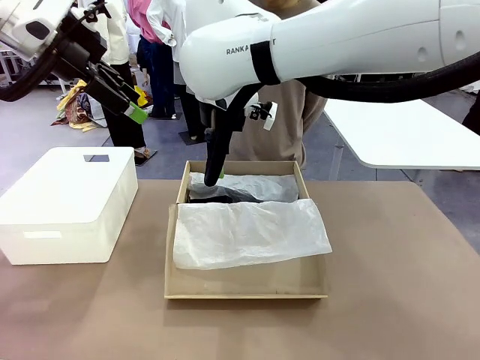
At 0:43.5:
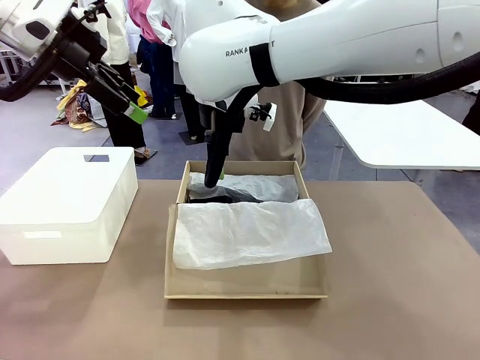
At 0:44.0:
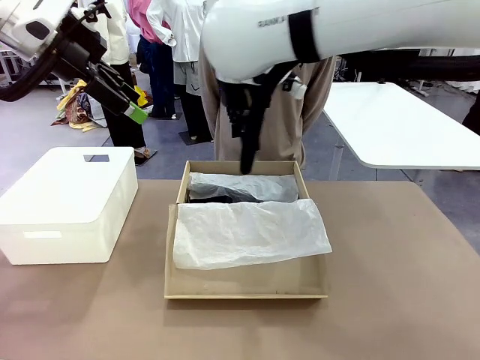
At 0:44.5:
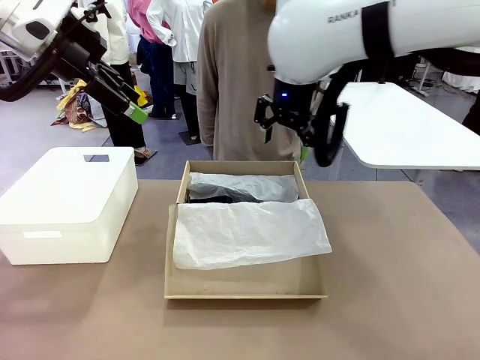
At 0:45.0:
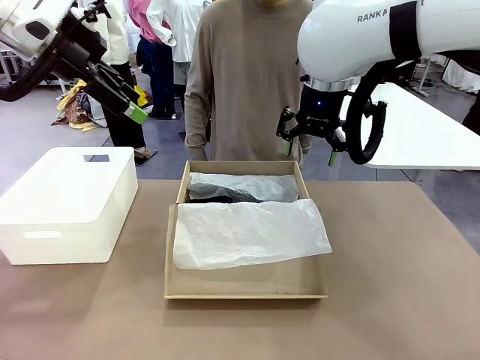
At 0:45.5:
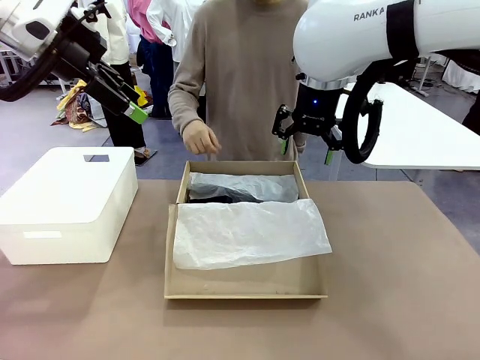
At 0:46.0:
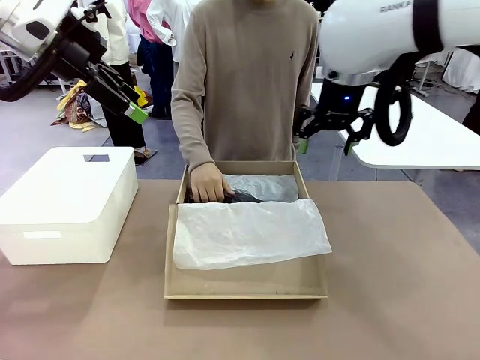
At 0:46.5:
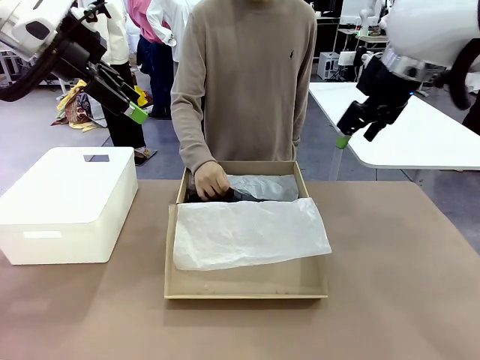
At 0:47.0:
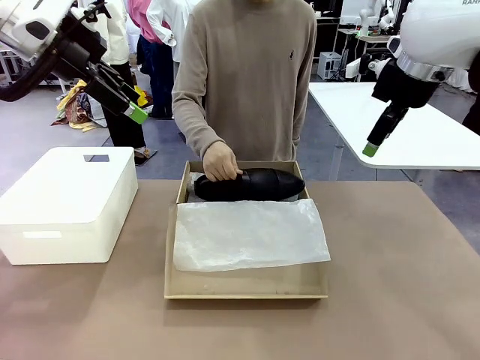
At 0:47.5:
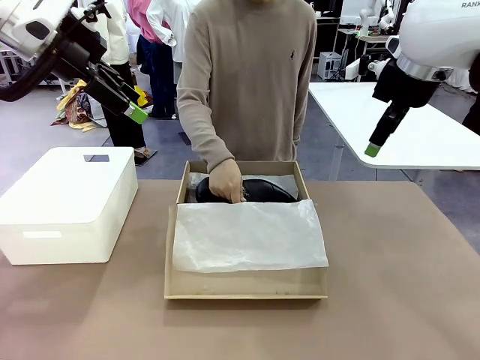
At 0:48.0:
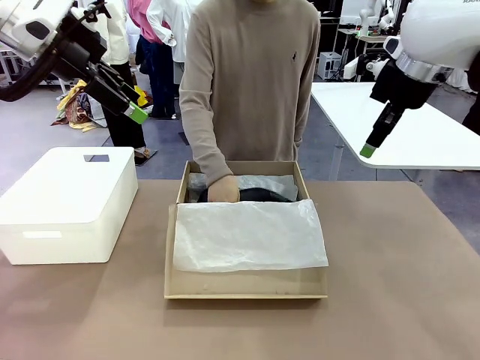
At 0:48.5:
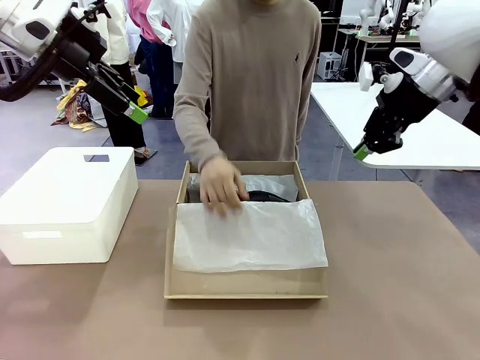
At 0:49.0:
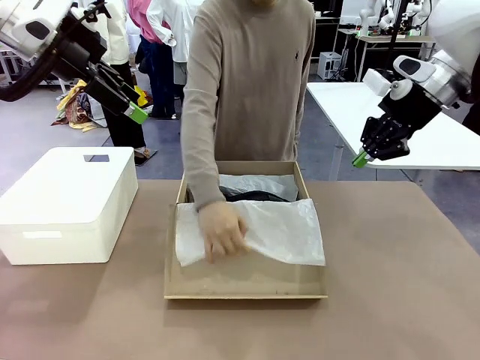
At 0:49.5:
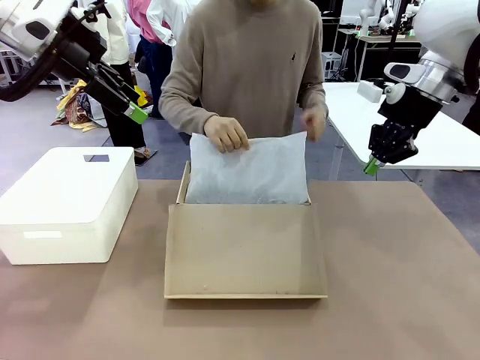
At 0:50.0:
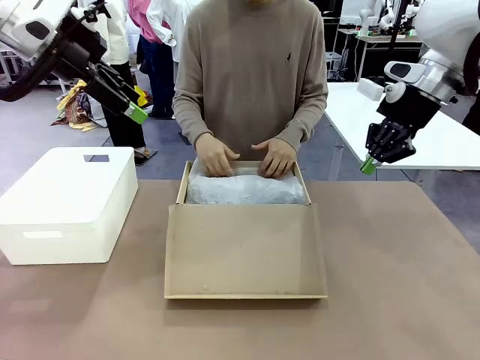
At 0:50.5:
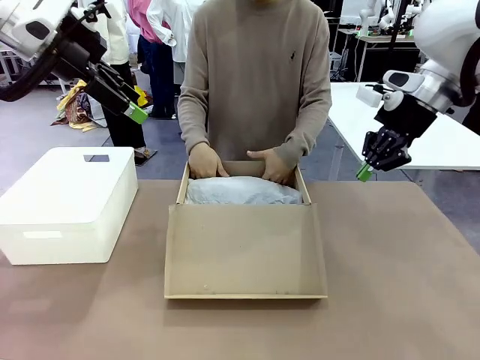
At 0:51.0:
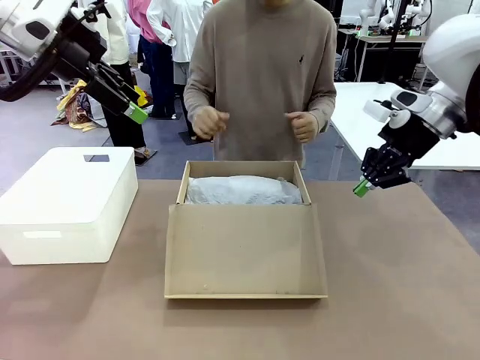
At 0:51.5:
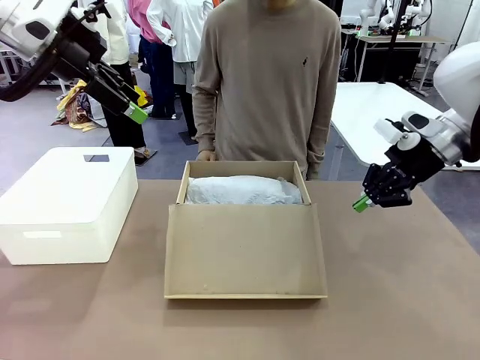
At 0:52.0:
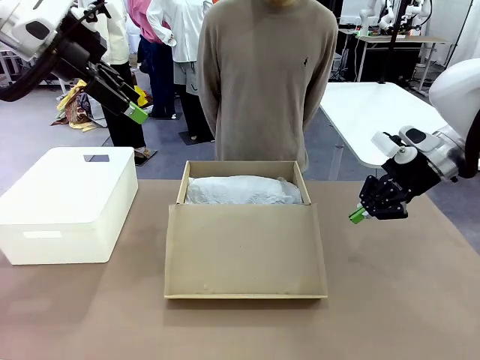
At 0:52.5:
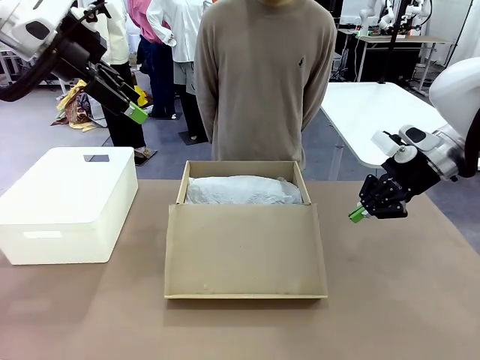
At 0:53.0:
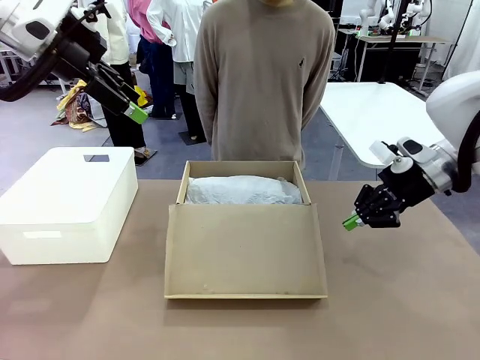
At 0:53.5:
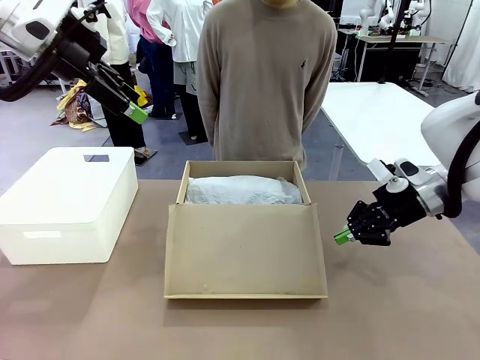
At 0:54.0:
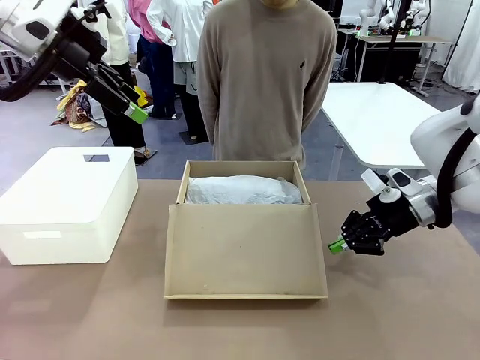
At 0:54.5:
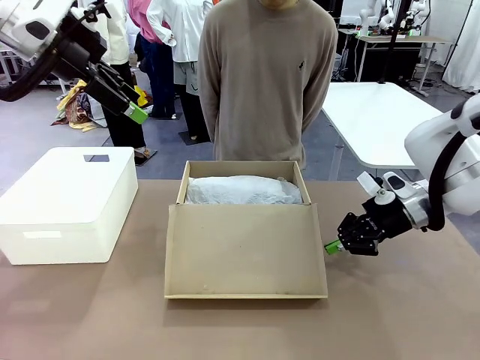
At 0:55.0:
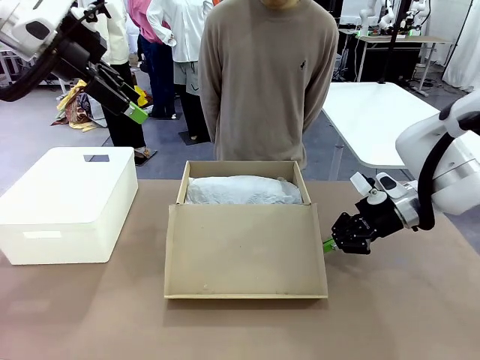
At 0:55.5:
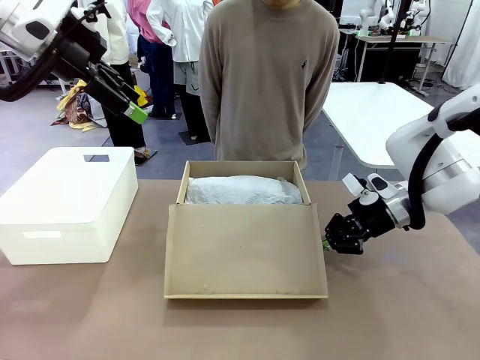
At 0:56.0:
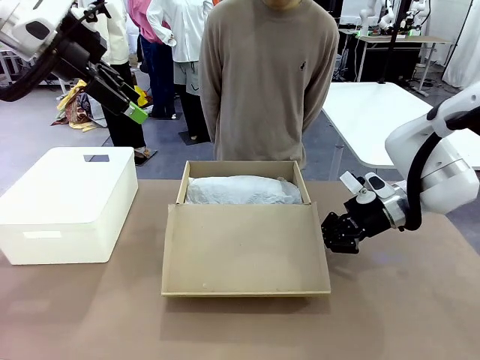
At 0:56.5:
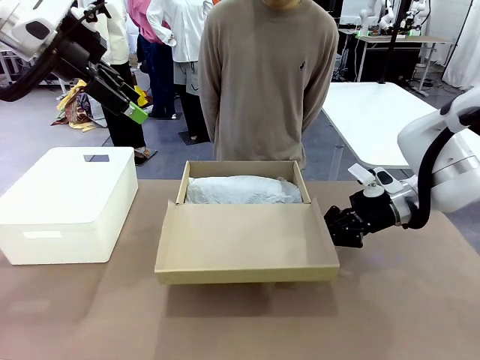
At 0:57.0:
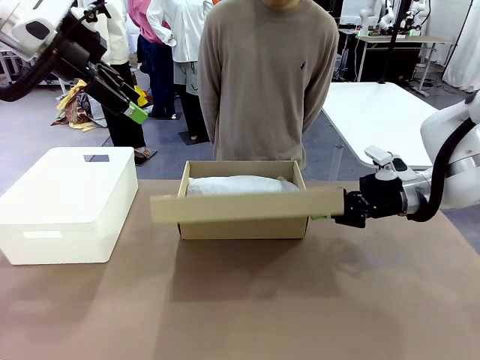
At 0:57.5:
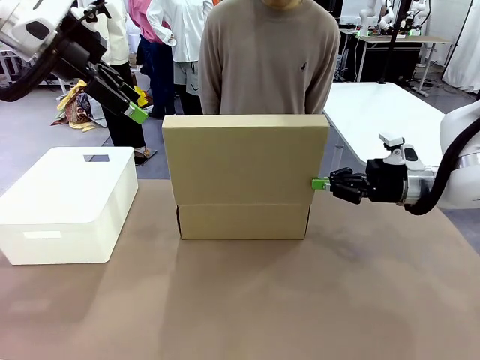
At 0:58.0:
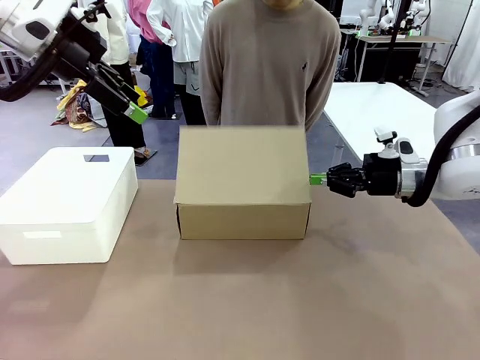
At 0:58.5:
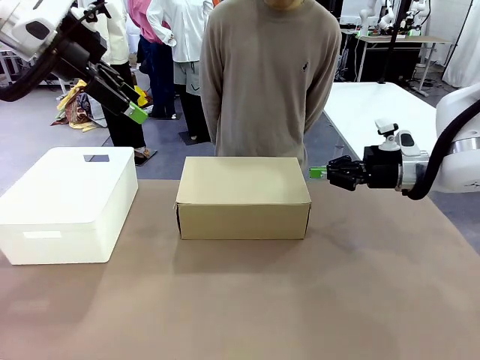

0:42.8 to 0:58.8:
Task: Pack the shoes into the box.
Robot: Close the Shoes Box.

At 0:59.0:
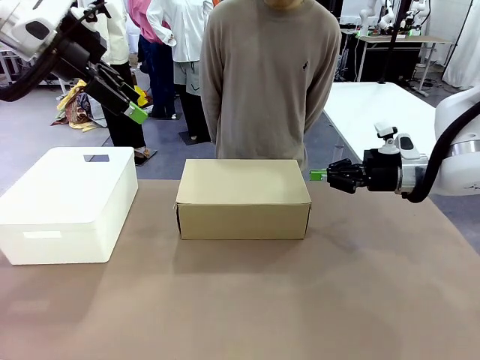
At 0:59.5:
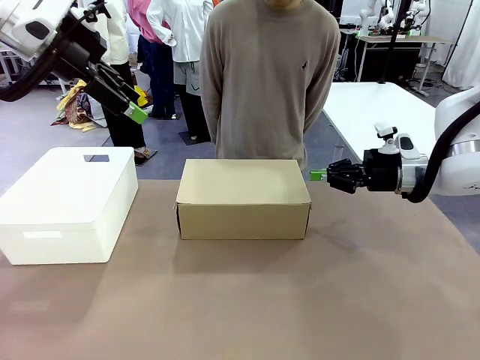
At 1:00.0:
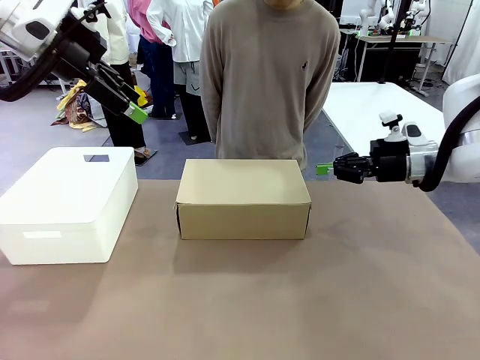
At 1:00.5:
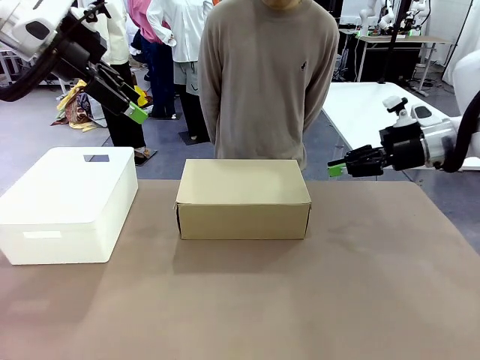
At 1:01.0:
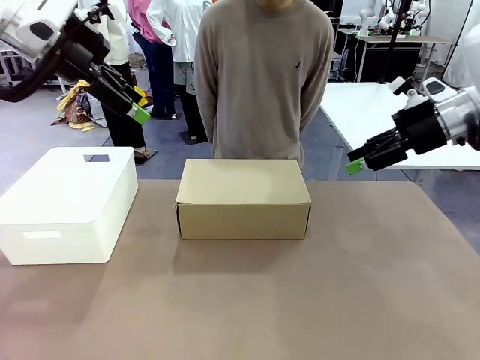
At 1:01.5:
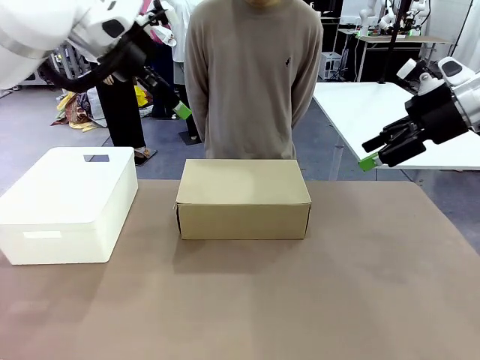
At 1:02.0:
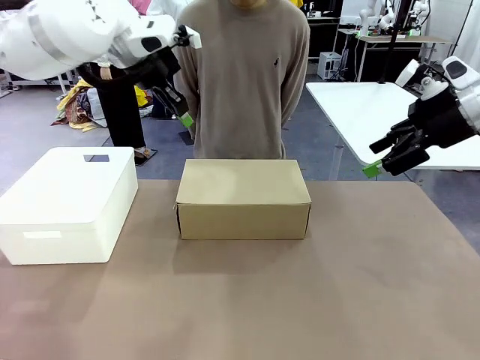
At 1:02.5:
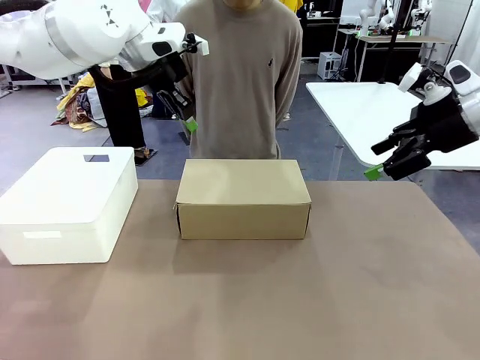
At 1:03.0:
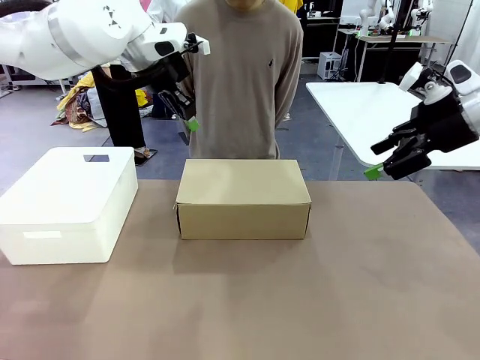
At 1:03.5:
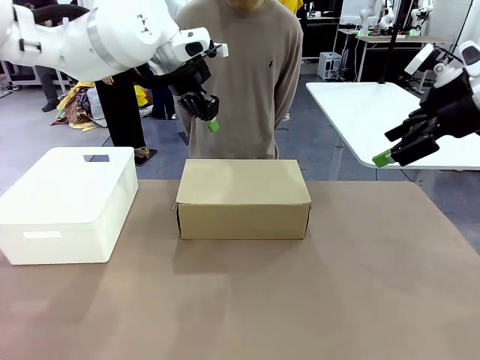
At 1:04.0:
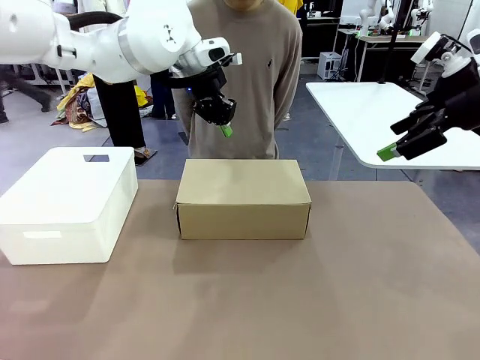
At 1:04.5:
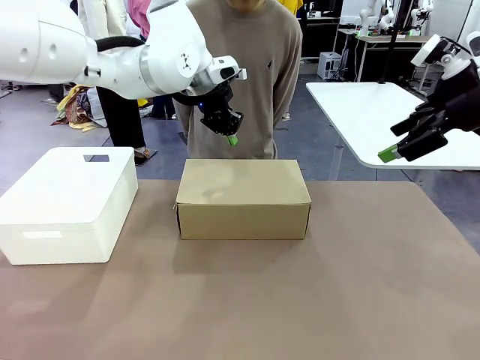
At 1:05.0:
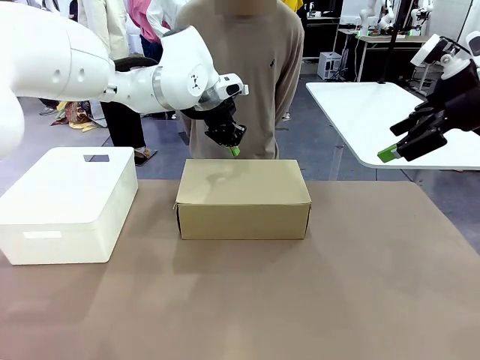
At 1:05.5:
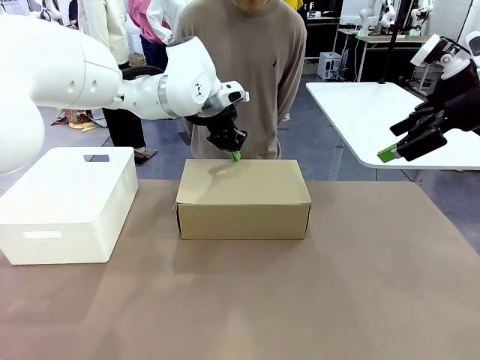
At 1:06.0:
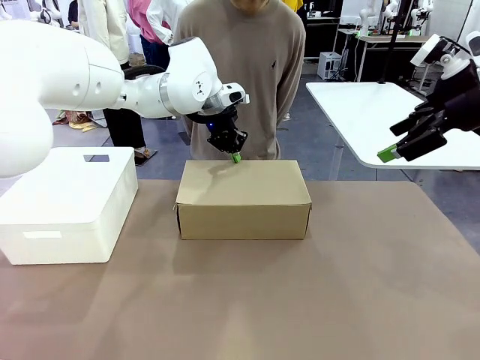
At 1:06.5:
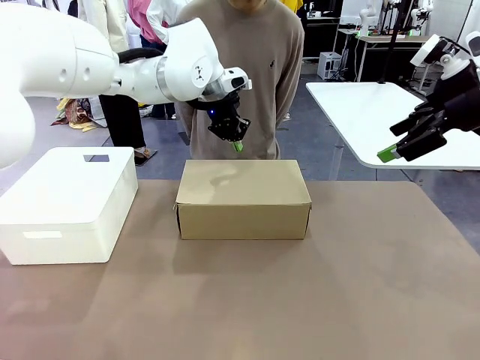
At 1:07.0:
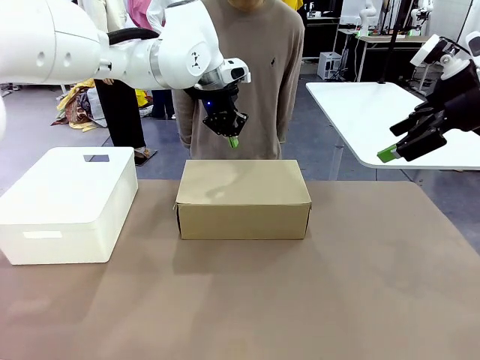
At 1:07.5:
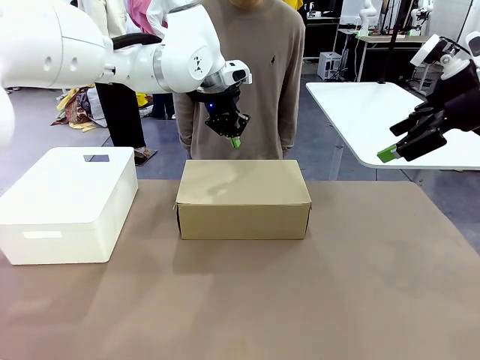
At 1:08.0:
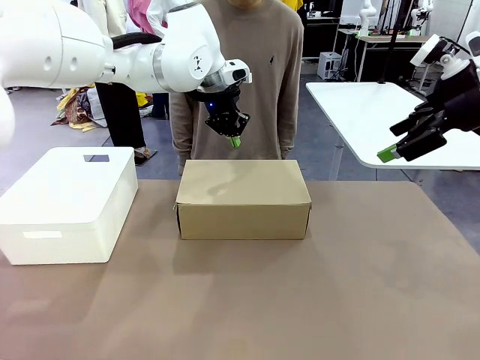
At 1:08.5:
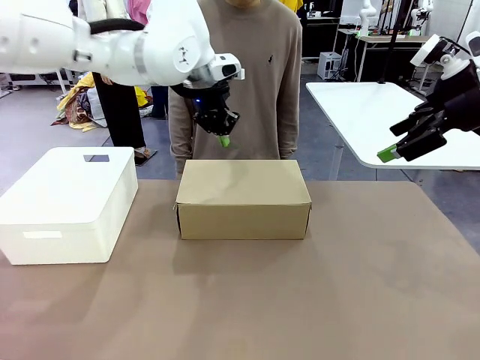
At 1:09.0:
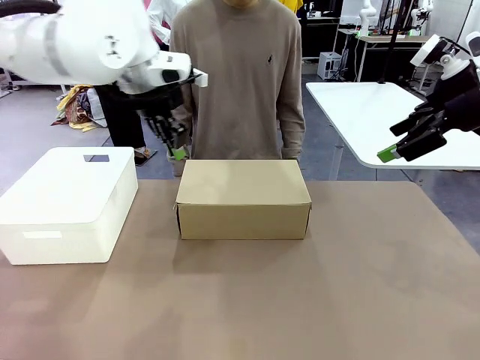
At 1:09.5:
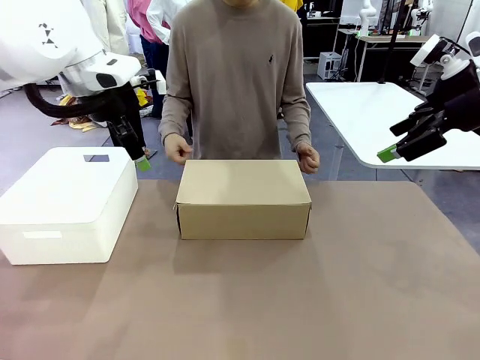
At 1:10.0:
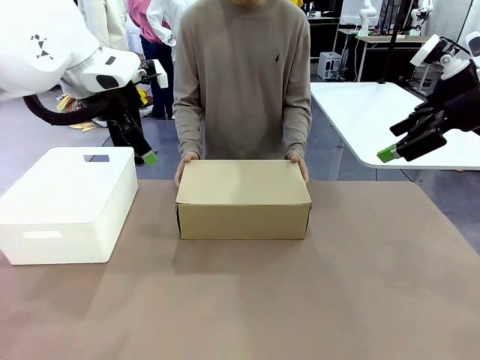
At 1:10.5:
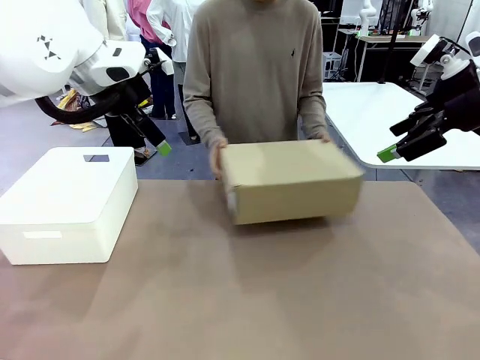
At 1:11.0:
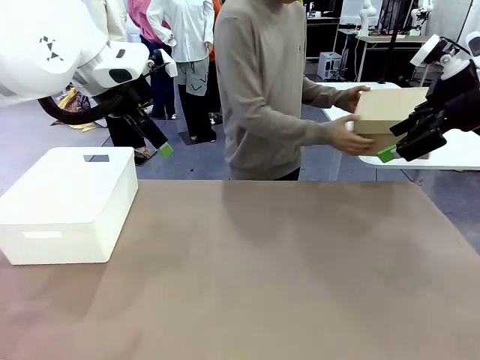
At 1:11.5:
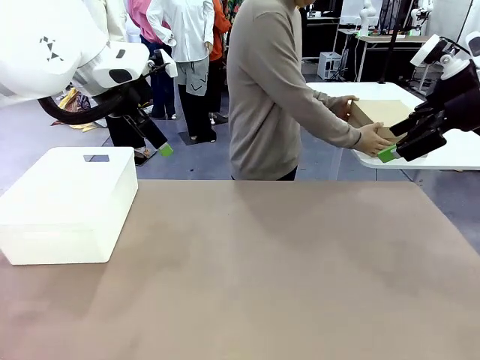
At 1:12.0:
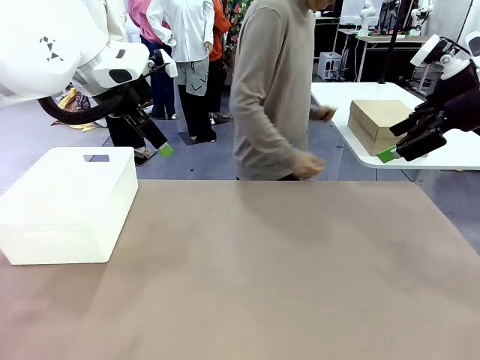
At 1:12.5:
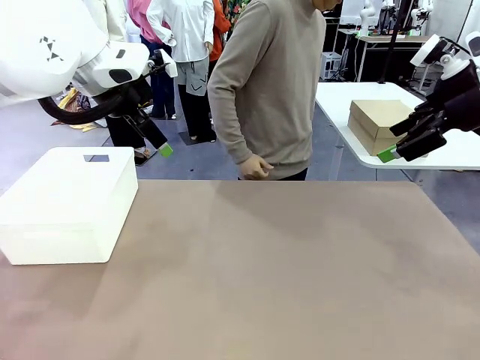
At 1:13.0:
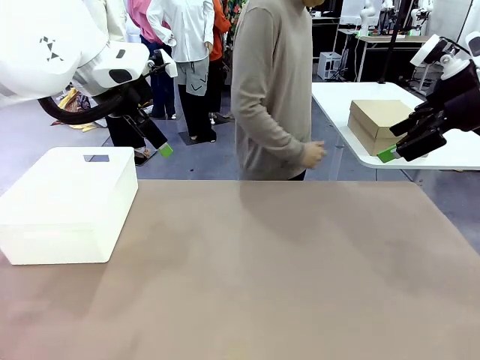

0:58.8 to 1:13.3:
Robot: Press down on the lid of the Shoes Box.
Person: Place the closed Shoes Box to the right side of the human table.
